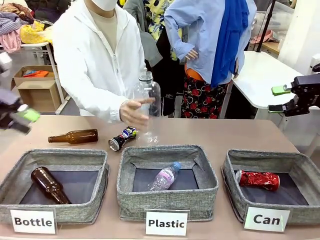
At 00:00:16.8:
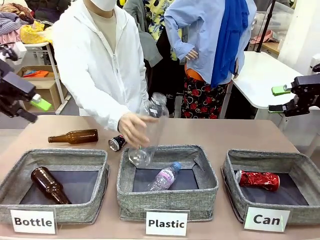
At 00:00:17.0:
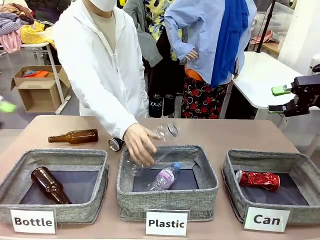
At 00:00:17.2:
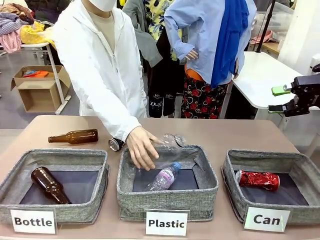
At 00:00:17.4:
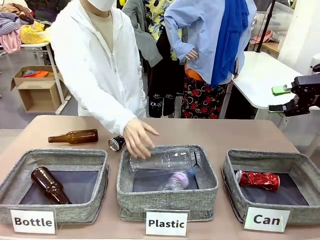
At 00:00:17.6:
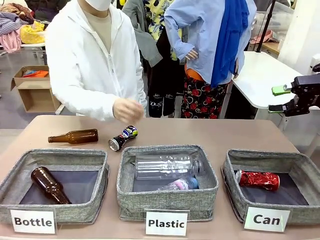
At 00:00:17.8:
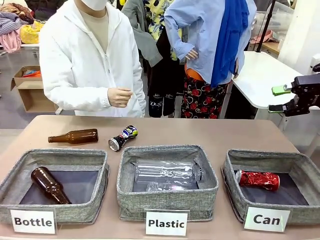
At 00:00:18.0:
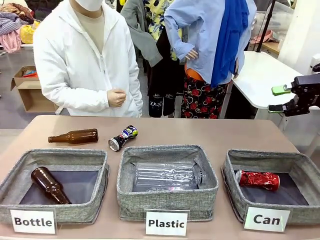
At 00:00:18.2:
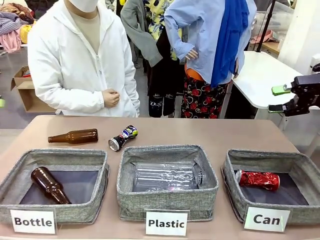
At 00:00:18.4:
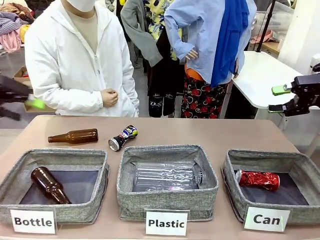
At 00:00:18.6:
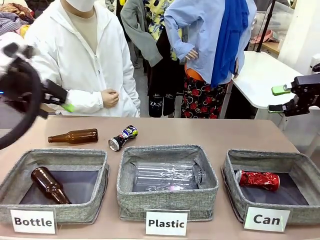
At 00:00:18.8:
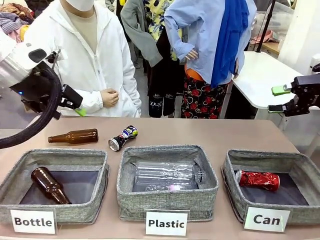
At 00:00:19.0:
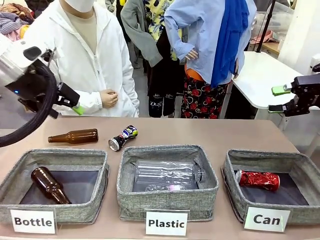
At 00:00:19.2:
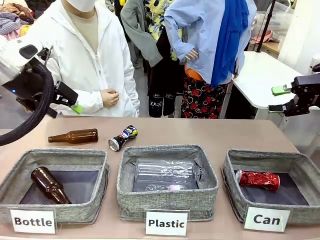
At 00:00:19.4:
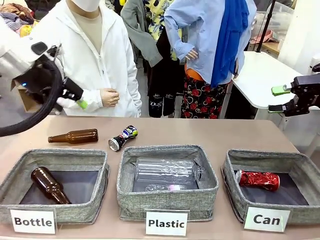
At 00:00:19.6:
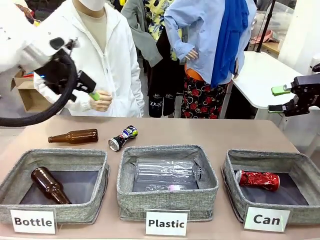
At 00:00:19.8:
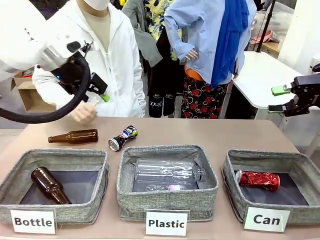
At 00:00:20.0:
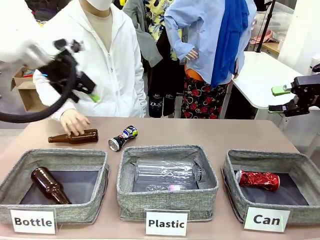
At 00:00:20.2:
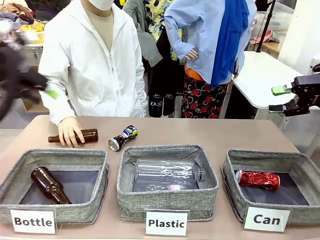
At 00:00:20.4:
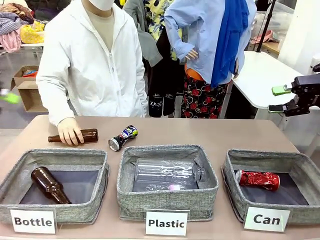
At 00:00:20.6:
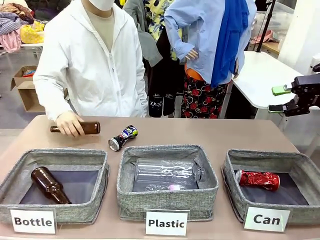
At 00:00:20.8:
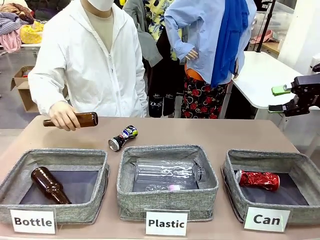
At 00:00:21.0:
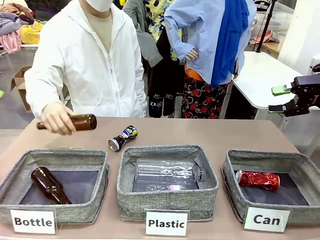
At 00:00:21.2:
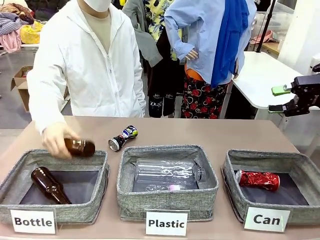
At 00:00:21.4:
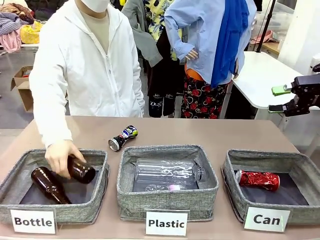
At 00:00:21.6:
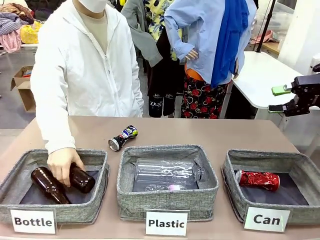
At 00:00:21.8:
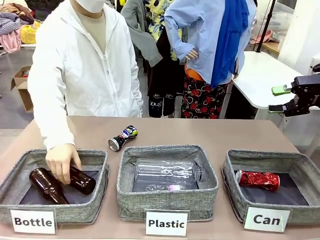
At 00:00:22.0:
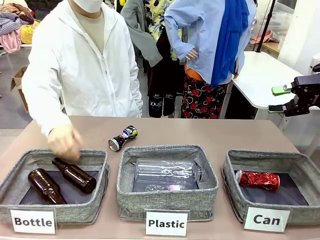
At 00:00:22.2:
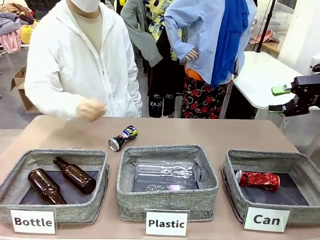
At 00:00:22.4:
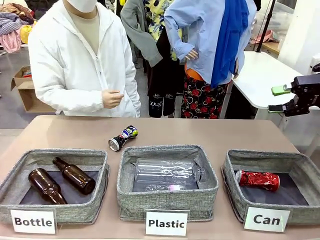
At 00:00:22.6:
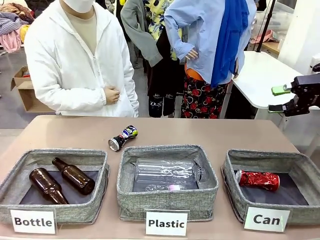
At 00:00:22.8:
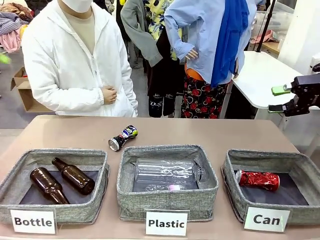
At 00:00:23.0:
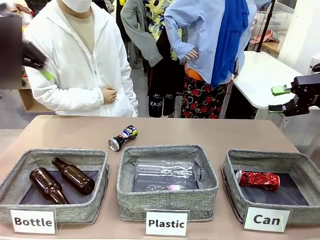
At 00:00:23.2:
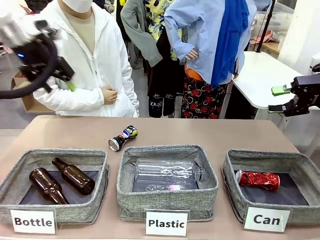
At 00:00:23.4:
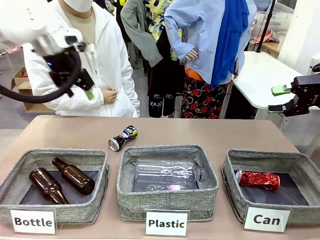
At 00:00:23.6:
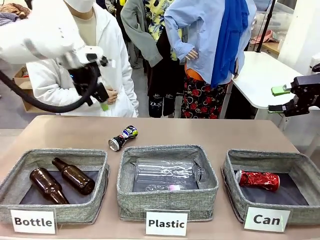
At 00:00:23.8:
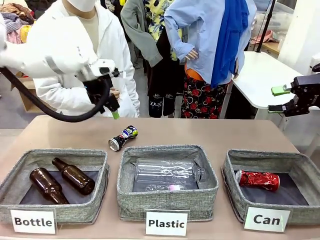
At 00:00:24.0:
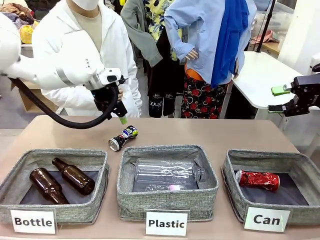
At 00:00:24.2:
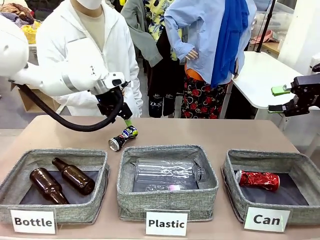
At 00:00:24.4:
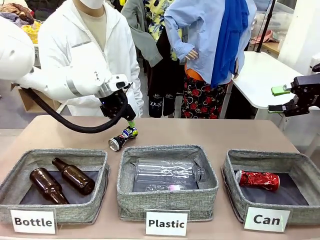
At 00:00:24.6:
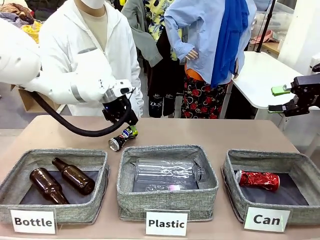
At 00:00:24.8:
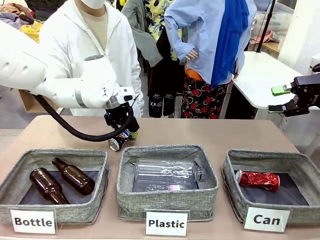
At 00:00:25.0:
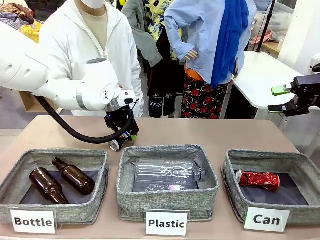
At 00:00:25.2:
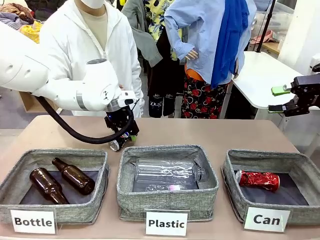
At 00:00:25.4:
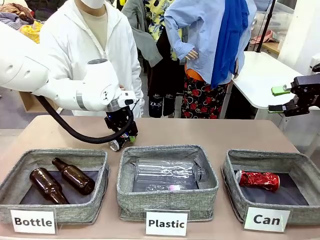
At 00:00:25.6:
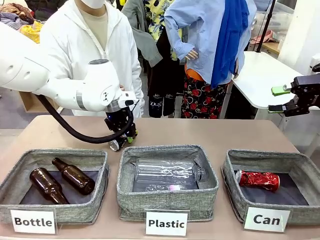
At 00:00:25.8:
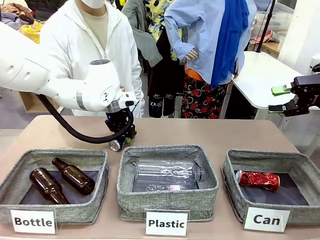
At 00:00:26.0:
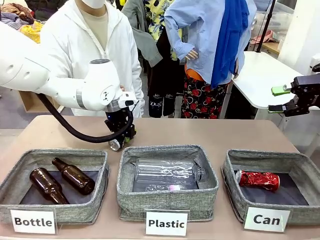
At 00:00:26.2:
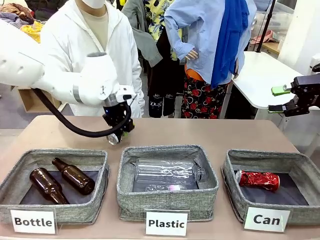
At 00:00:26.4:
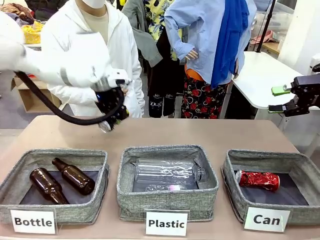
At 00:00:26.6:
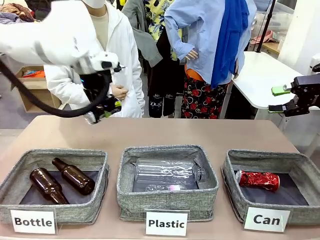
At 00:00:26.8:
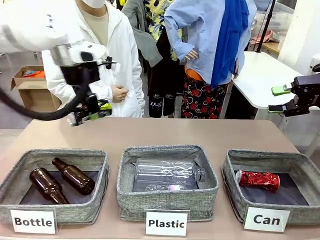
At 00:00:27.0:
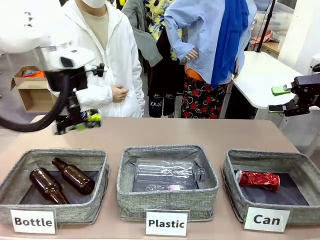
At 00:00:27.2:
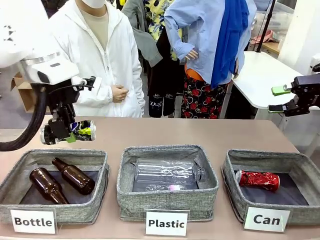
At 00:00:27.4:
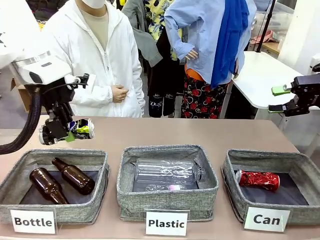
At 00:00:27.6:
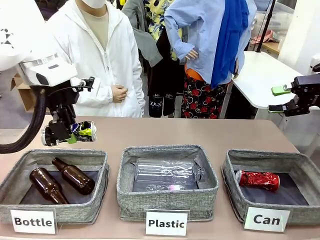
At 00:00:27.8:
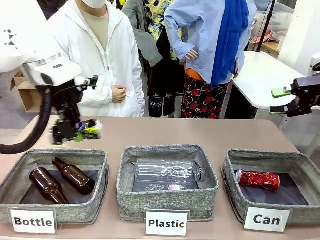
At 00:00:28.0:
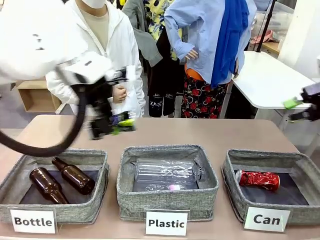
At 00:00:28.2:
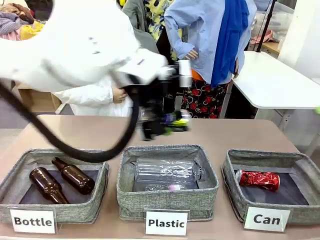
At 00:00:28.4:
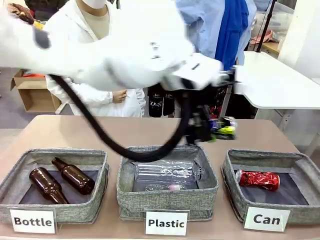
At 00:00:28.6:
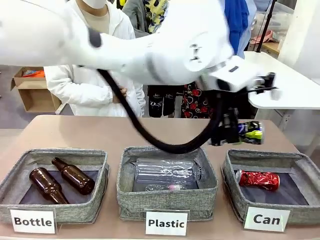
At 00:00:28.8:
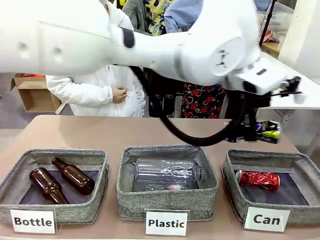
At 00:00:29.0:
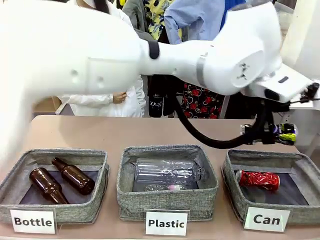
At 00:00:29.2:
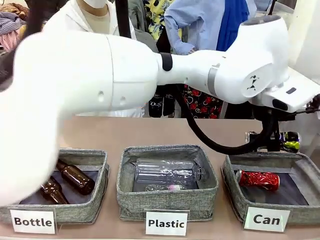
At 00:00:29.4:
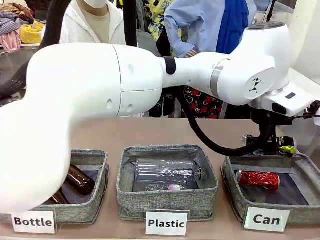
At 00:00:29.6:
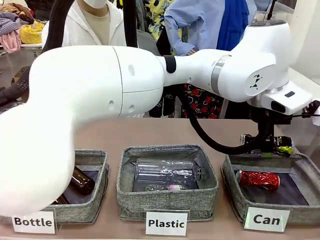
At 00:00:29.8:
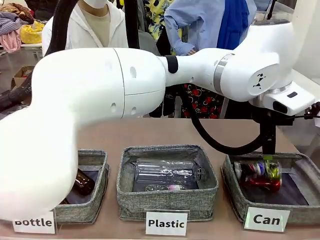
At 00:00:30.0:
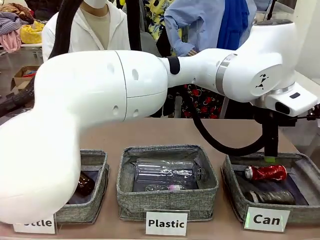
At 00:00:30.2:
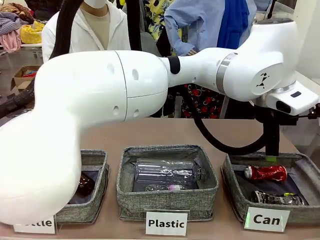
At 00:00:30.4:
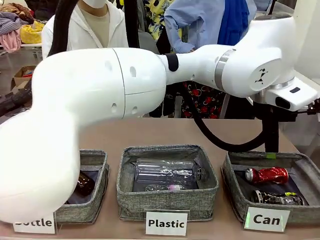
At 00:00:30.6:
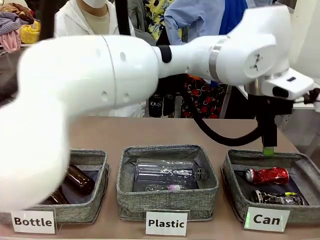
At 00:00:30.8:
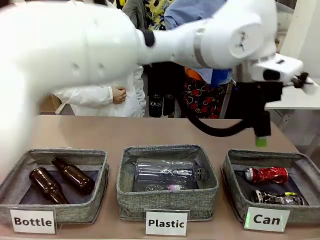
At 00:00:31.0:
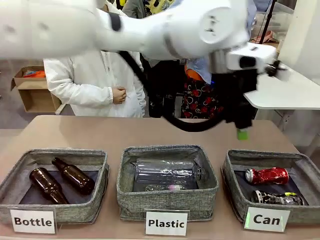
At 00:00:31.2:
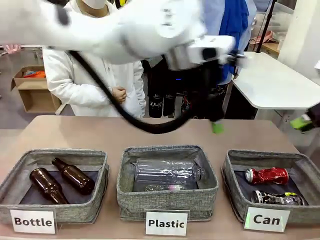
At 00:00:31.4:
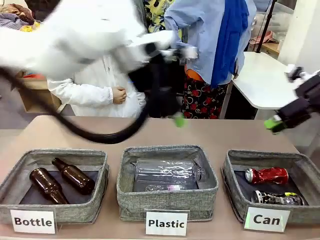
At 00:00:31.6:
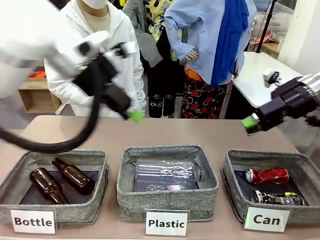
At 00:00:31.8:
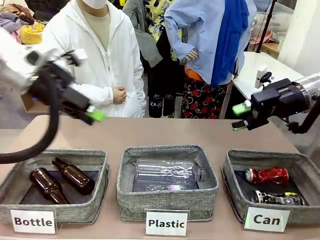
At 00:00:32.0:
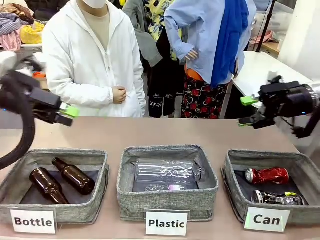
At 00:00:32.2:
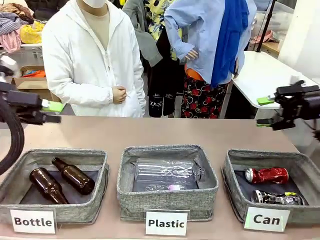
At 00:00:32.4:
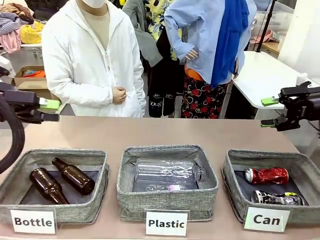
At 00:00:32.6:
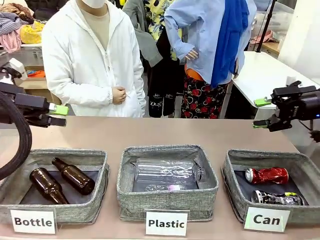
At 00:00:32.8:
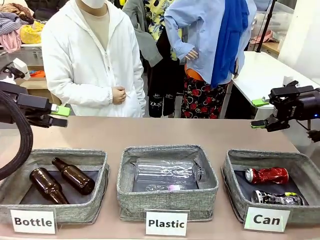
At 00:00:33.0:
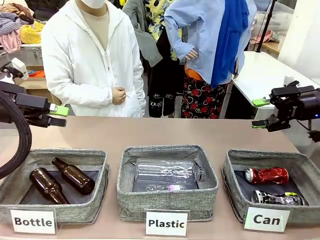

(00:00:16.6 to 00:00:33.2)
Task: Sort the can waste into the basket.
Robot: Pick up the can waste from the table and place it in the right Fabric basket.

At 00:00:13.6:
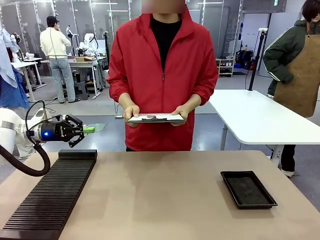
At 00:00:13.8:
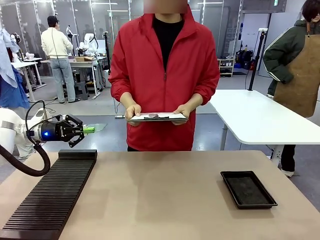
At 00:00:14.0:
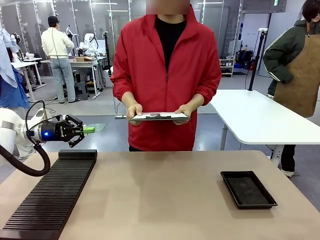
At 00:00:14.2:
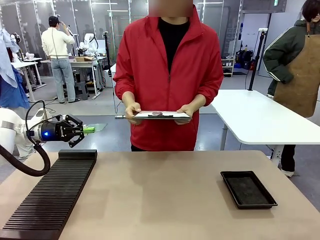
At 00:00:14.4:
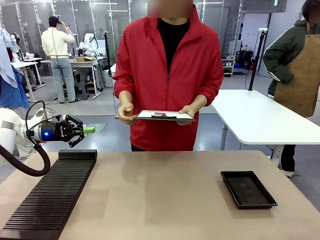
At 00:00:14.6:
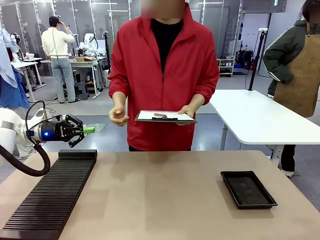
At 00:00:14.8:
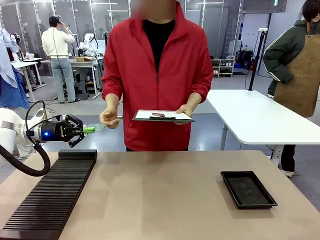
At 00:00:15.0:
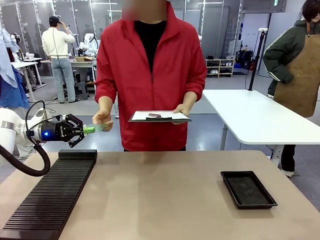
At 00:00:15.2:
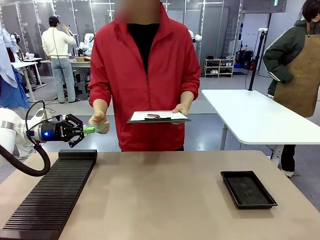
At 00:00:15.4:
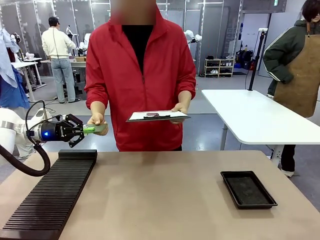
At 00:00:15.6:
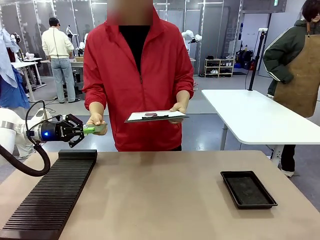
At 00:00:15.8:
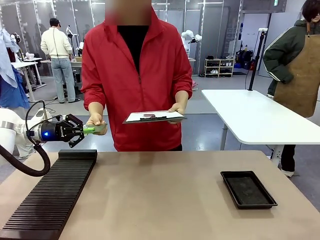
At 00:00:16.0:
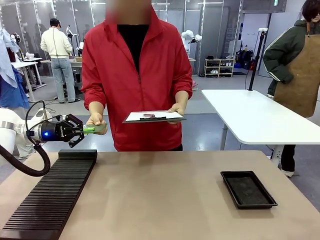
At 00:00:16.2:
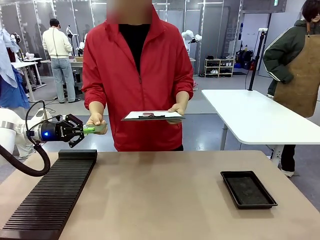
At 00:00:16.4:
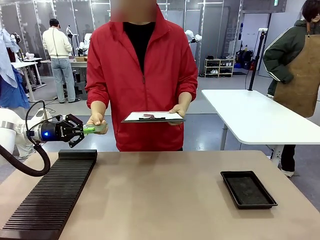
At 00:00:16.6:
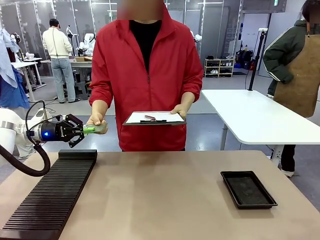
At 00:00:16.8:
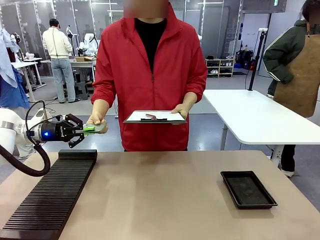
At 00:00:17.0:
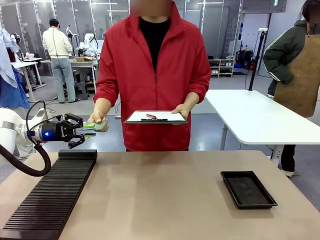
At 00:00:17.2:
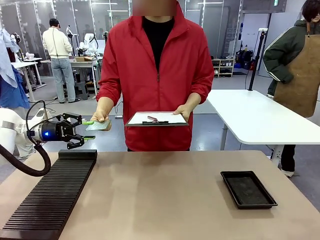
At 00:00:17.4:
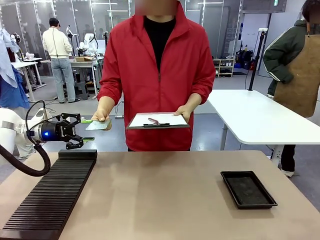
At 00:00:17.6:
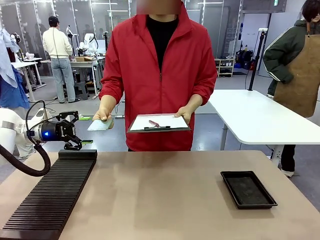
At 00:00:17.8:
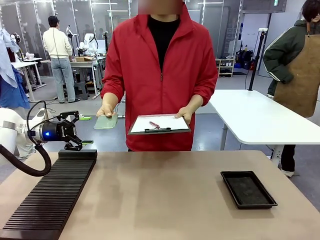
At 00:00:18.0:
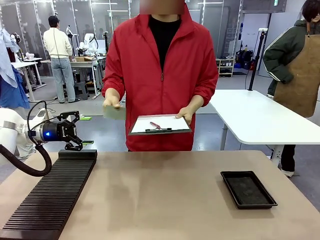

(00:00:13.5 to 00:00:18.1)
Task: Inspect the PCB.
Robot: Release the Blank PCB you were holding.
